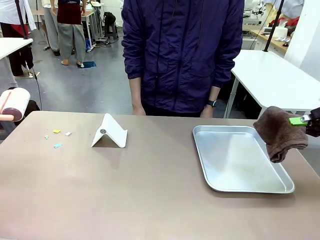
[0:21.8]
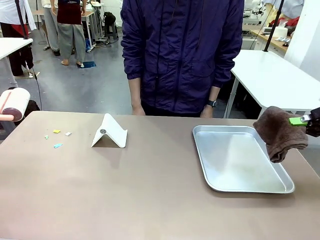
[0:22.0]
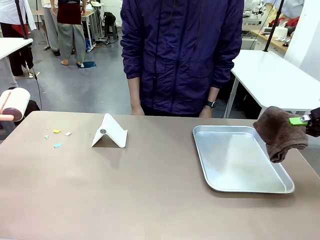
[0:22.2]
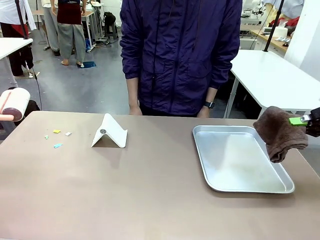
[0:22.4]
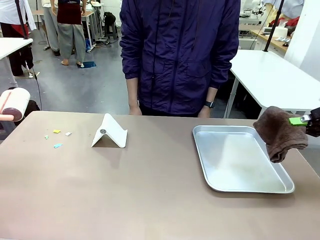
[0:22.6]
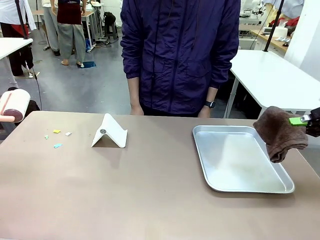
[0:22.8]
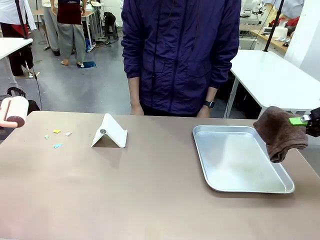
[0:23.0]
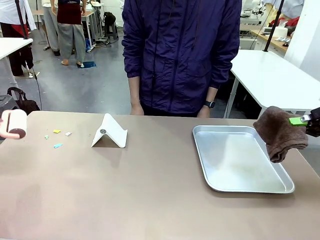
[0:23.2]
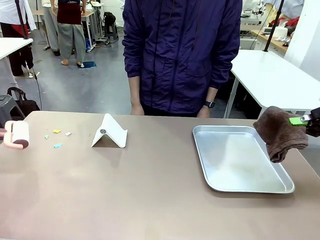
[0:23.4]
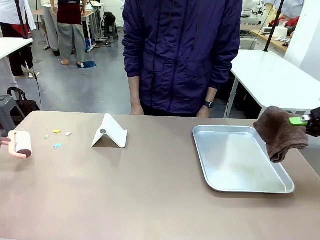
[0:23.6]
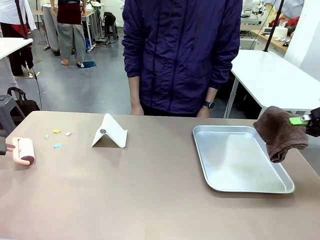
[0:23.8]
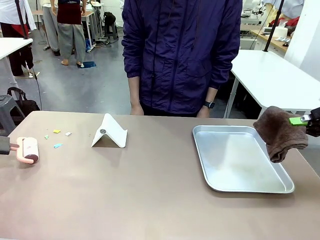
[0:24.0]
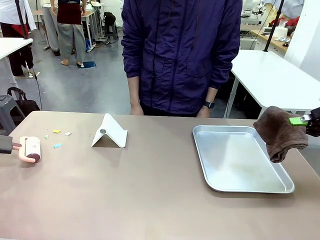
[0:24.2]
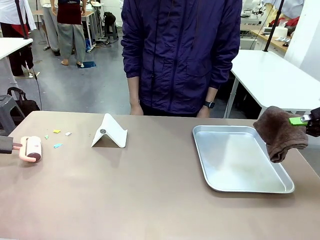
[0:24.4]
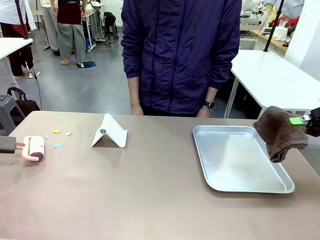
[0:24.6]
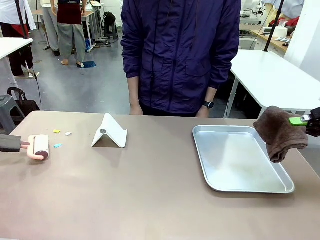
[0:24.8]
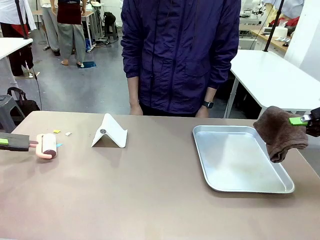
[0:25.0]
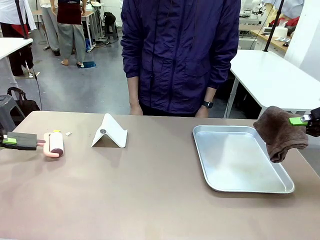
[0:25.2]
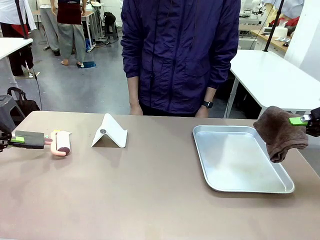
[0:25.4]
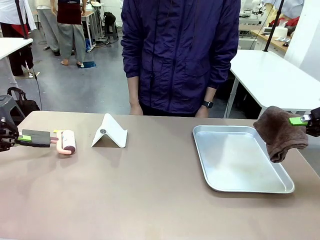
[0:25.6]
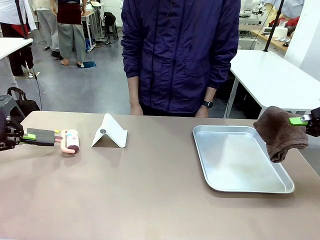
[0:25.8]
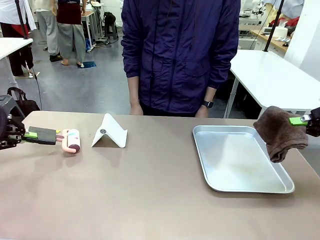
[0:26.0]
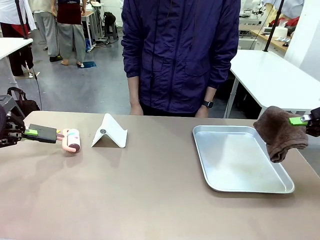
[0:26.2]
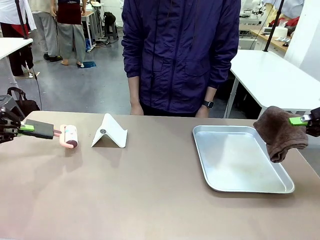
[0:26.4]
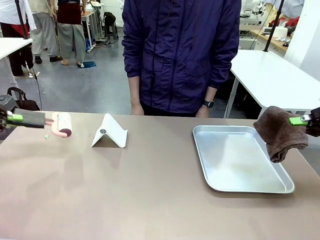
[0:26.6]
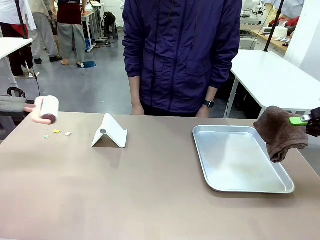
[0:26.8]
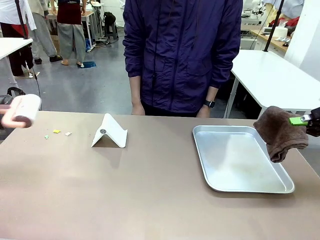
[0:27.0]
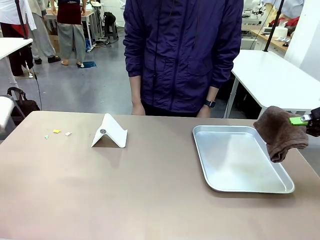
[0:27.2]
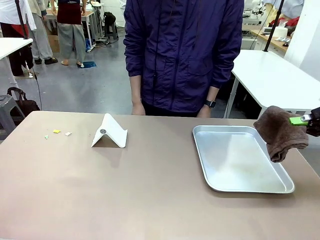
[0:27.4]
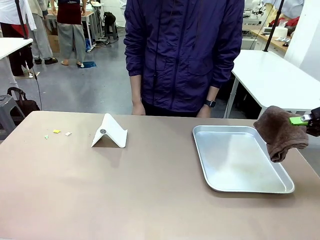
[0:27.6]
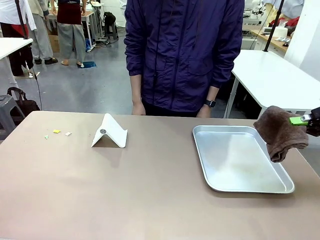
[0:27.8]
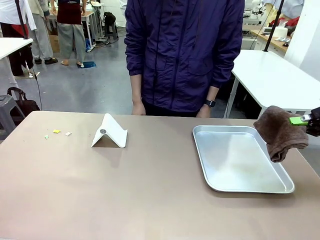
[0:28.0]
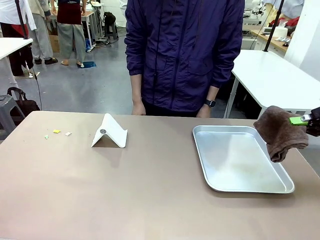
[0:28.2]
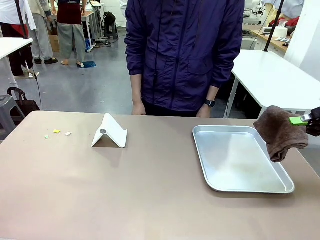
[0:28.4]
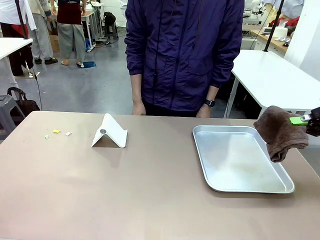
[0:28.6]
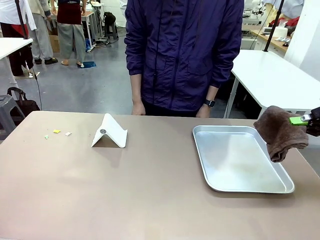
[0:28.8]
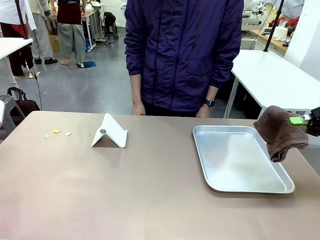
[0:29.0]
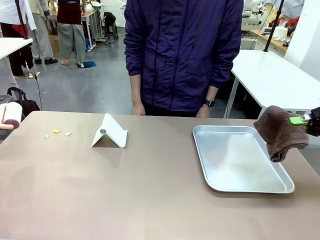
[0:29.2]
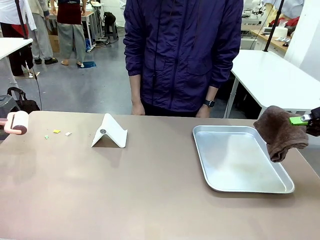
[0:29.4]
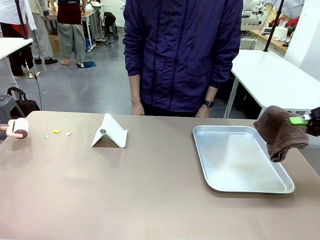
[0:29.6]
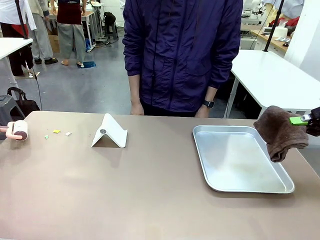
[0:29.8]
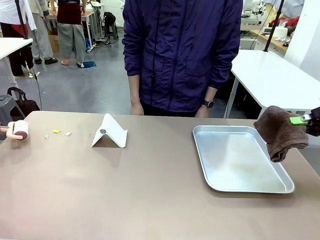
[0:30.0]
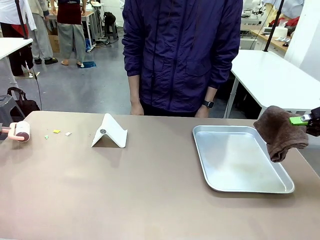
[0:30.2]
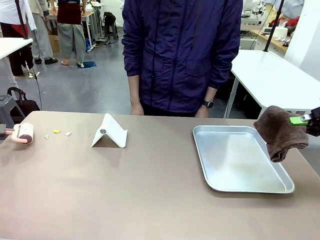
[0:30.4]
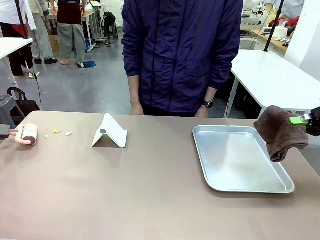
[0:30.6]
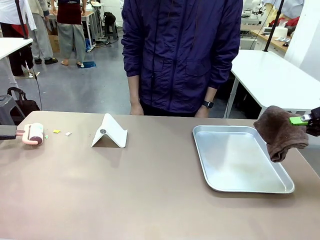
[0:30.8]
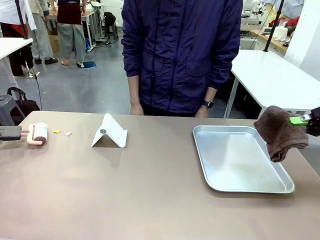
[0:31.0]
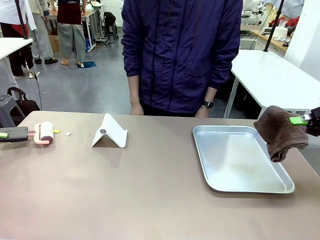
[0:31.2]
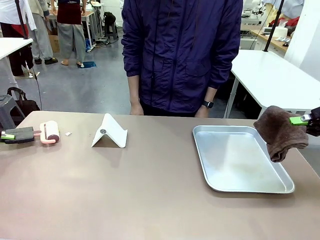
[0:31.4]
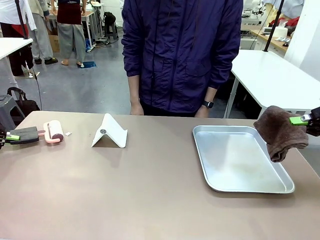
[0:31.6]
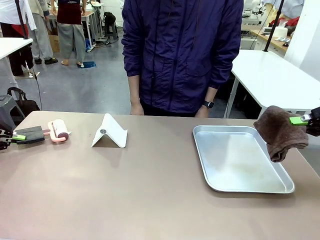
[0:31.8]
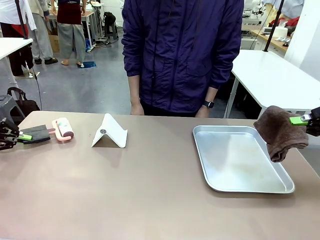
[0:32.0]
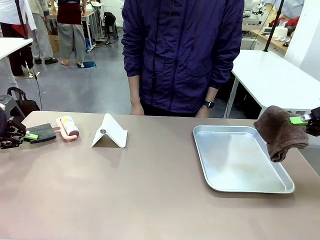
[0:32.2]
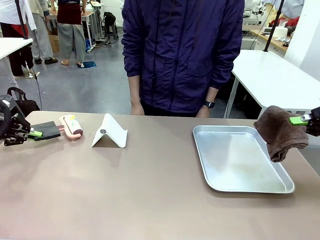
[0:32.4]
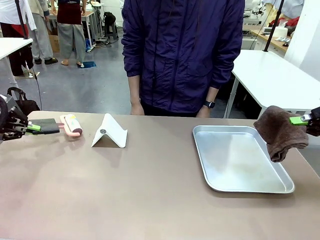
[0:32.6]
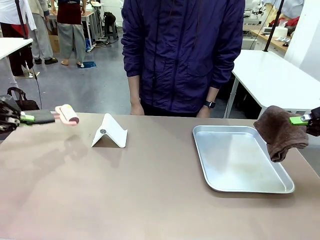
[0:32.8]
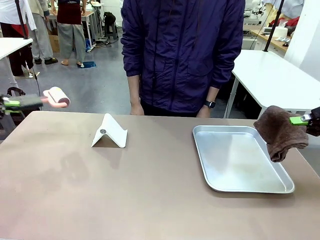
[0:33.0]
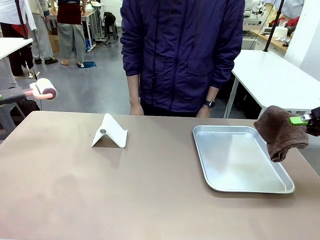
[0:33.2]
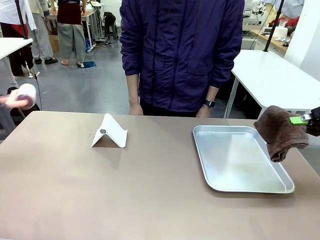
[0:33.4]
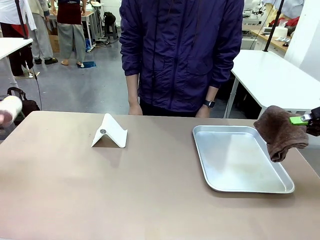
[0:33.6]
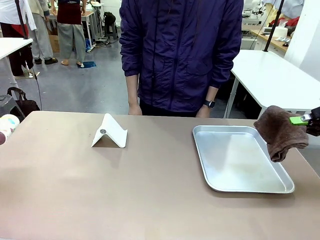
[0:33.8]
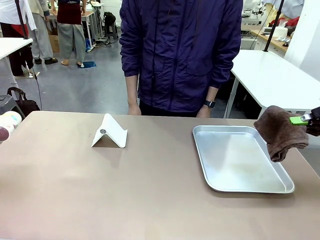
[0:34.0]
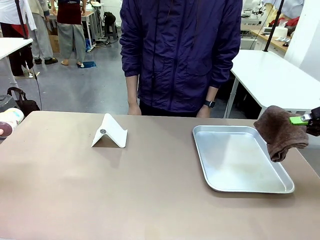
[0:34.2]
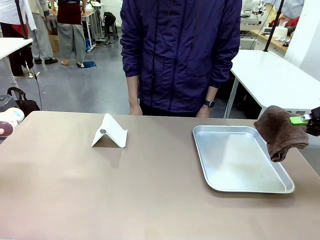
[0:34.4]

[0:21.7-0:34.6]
Task: Clean the surface of the table.
Robot: Clean the area not pointed to by the person.

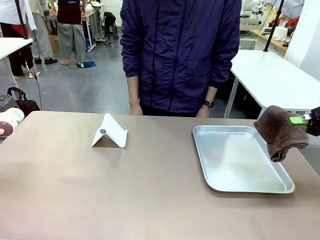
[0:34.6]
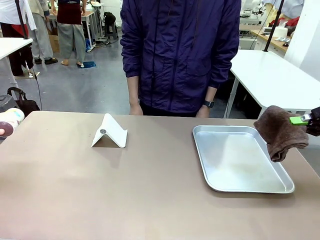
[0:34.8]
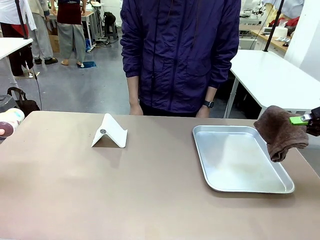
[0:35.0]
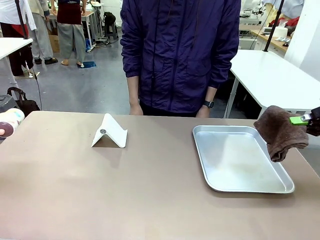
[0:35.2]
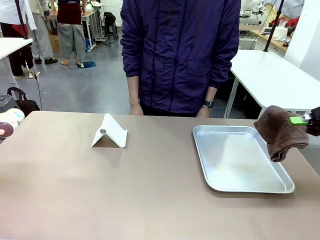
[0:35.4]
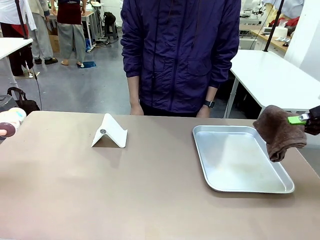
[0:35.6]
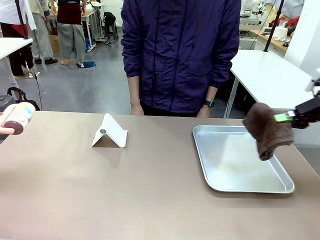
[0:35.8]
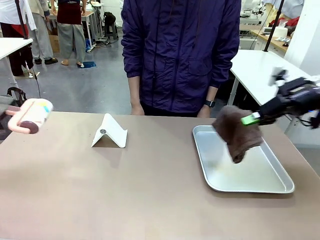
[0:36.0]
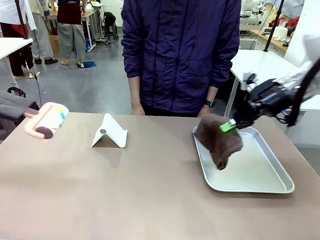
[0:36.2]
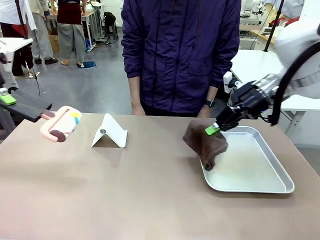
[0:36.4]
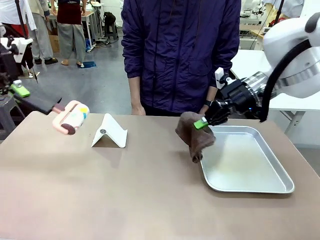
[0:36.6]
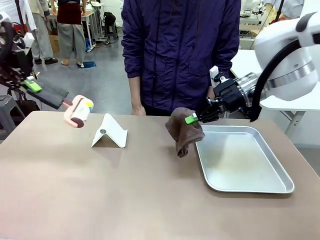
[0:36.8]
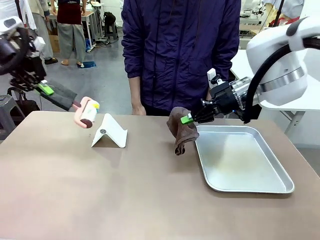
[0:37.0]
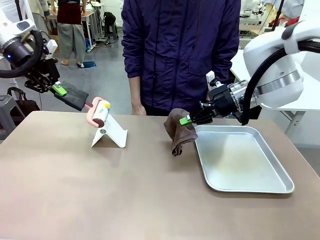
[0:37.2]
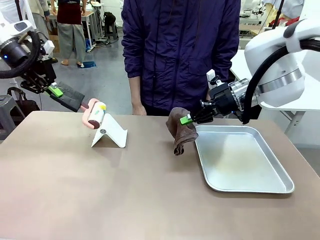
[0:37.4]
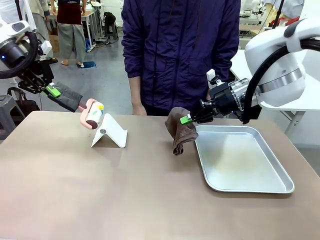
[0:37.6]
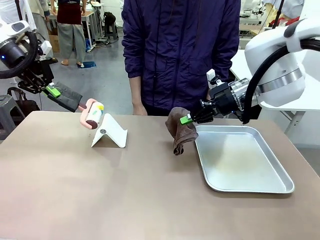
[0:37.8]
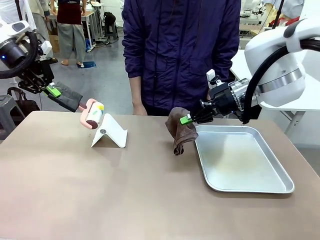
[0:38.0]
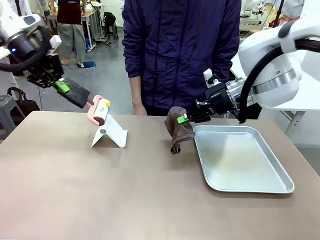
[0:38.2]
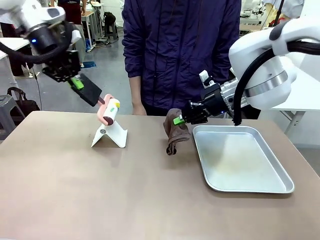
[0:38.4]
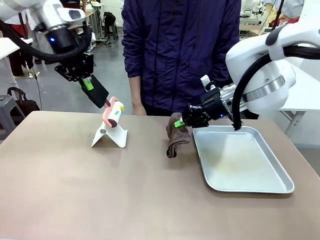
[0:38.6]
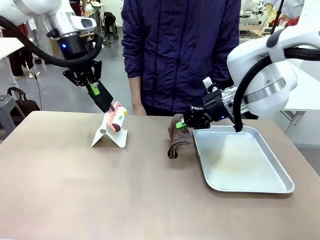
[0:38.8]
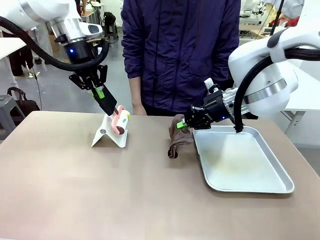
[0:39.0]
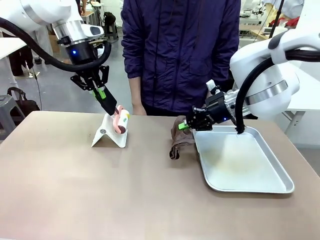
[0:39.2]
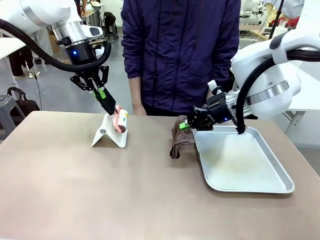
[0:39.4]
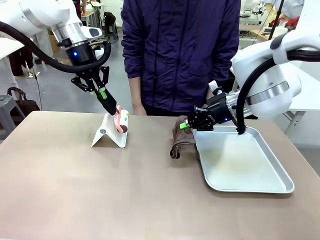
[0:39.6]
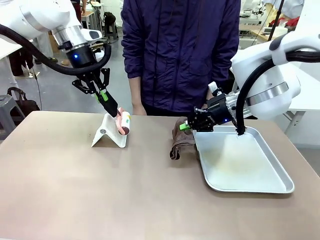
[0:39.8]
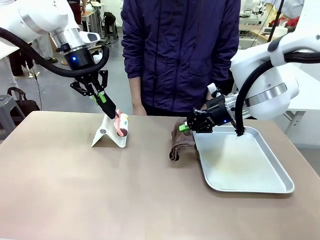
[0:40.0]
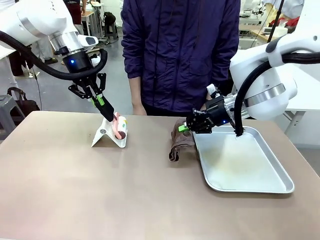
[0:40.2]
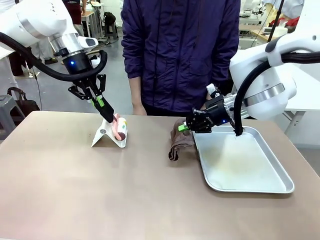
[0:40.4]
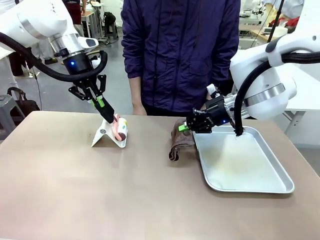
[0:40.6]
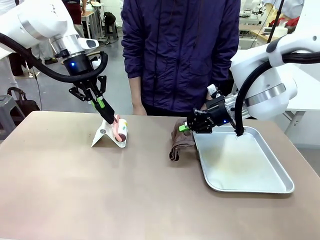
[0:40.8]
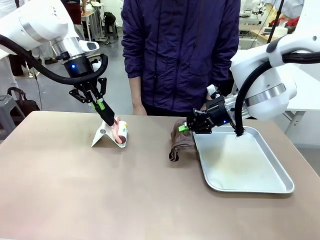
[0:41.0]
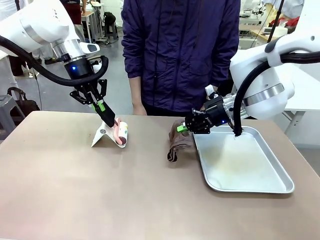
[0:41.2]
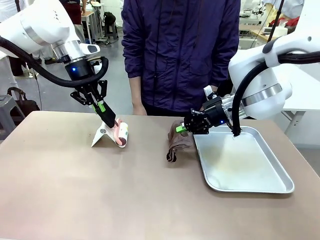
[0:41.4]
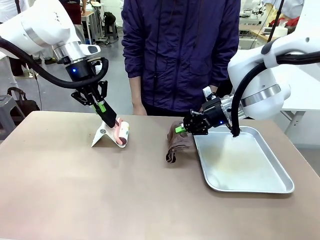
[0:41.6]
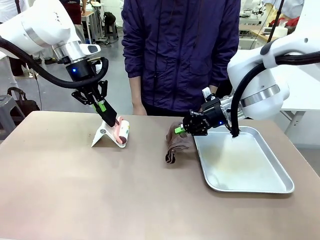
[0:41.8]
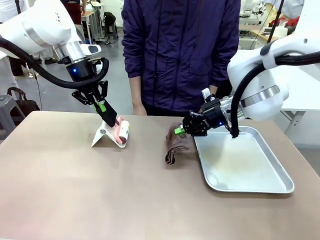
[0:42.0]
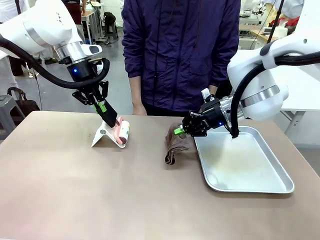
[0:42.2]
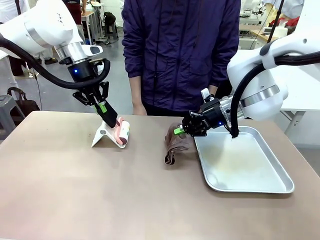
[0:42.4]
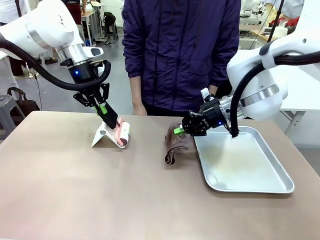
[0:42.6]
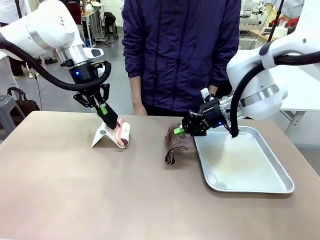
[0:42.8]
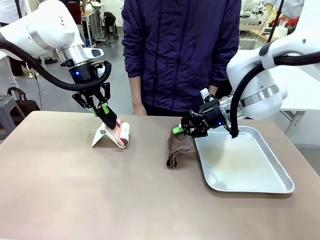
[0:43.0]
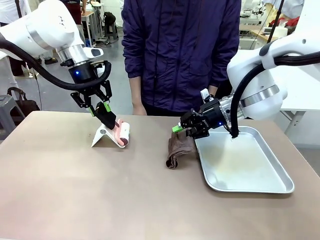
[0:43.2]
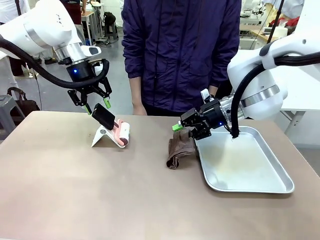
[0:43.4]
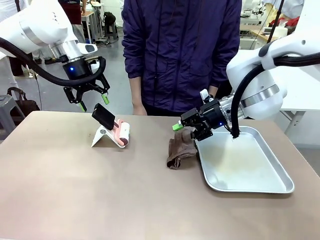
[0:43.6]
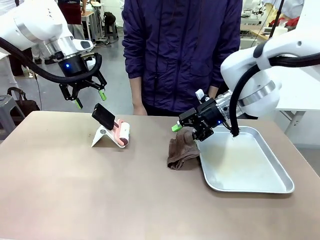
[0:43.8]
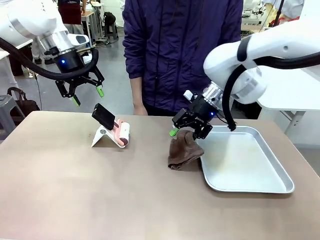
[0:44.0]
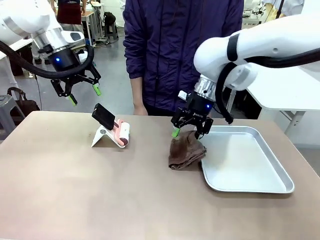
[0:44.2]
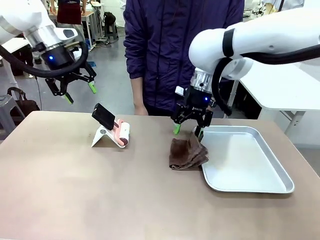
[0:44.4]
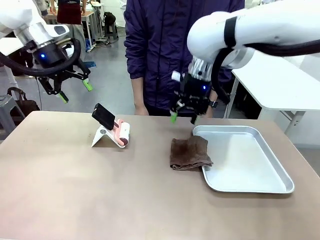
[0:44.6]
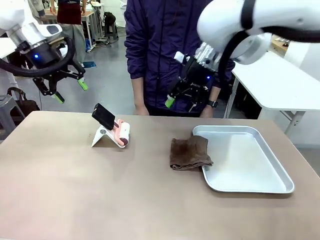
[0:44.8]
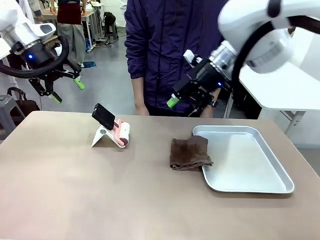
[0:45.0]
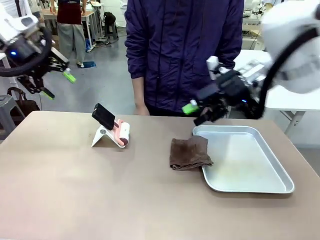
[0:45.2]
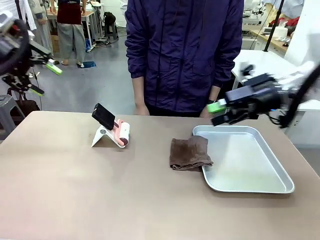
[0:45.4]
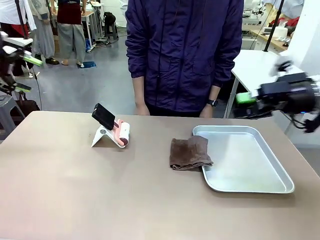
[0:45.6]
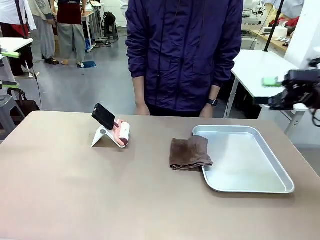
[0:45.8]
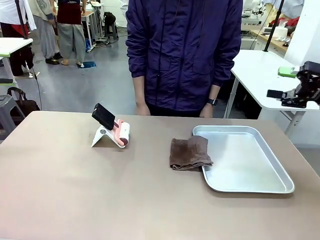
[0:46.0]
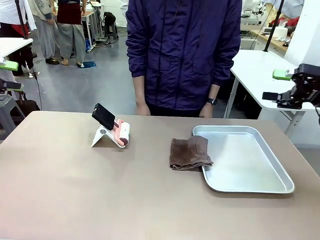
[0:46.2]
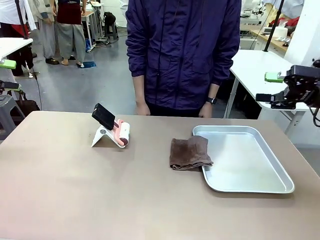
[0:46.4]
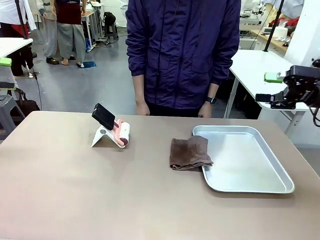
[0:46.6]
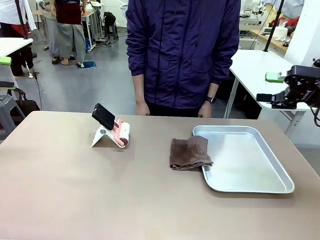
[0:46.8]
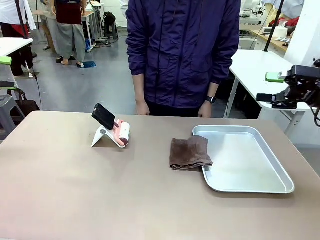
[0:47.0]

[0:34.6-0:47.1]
Robot: Return the Lint Roller and towel to their original positions.
